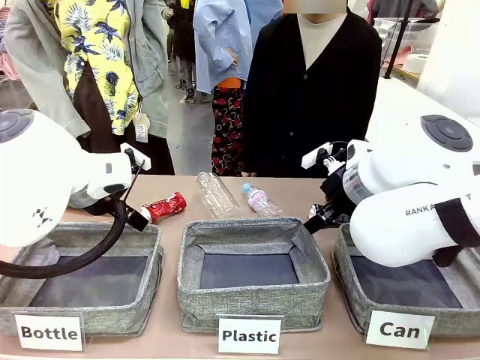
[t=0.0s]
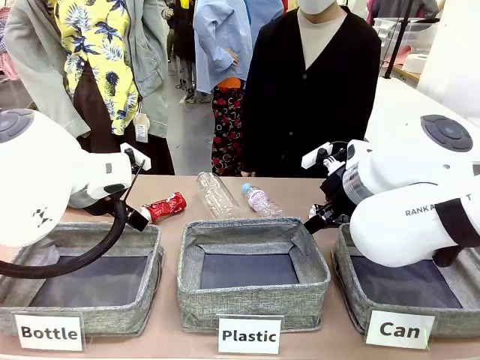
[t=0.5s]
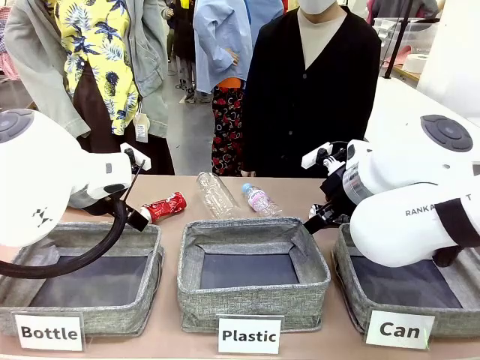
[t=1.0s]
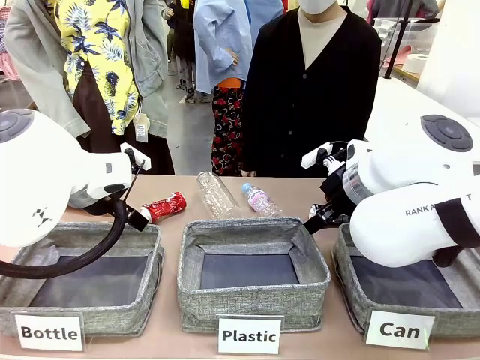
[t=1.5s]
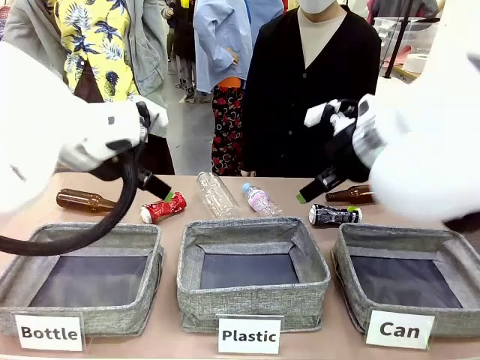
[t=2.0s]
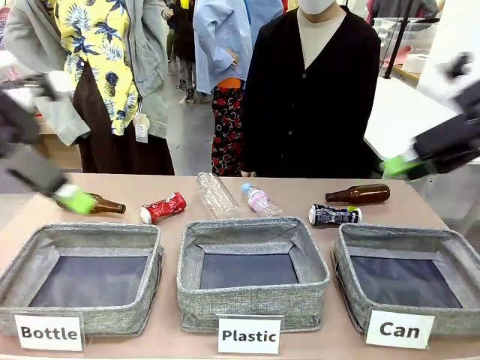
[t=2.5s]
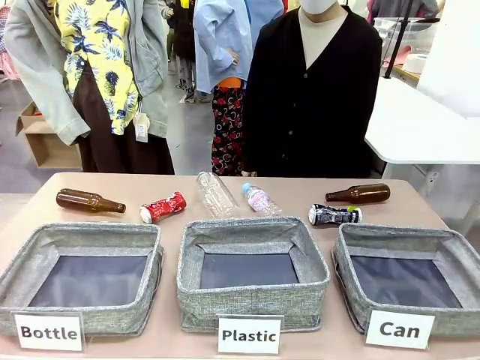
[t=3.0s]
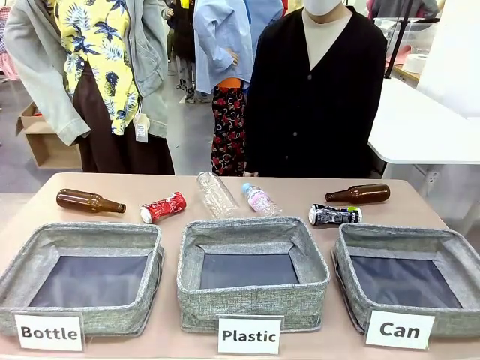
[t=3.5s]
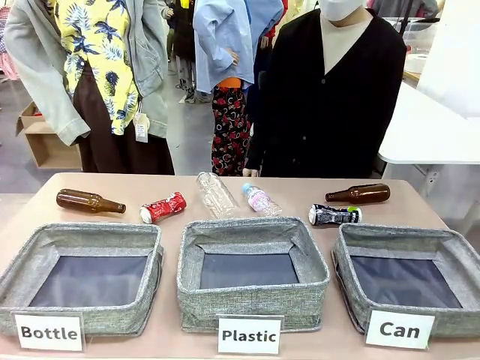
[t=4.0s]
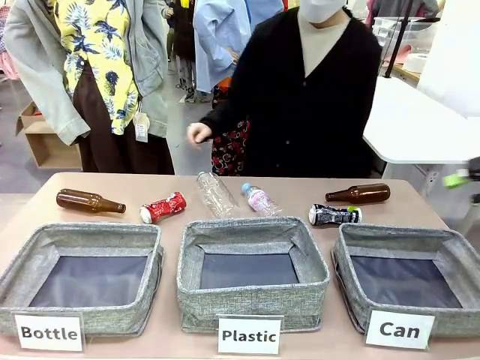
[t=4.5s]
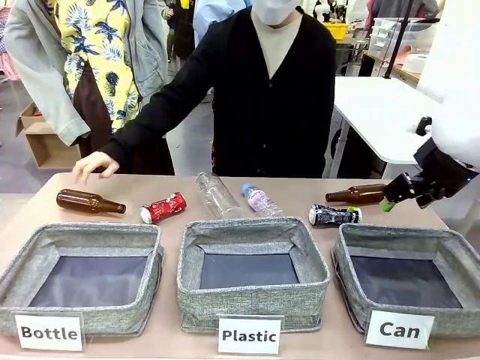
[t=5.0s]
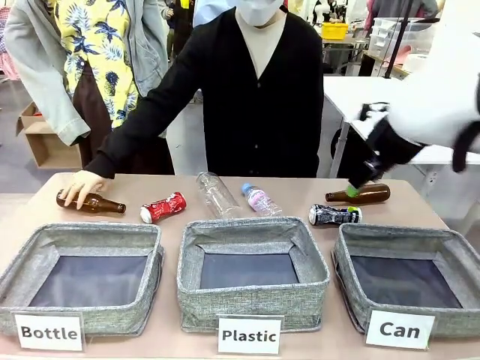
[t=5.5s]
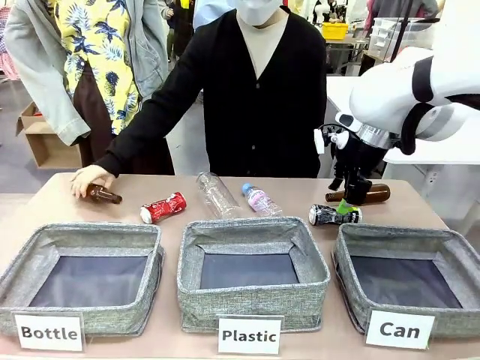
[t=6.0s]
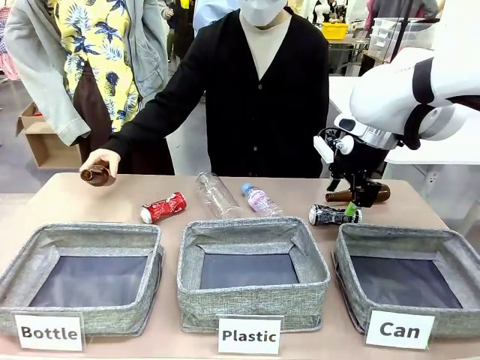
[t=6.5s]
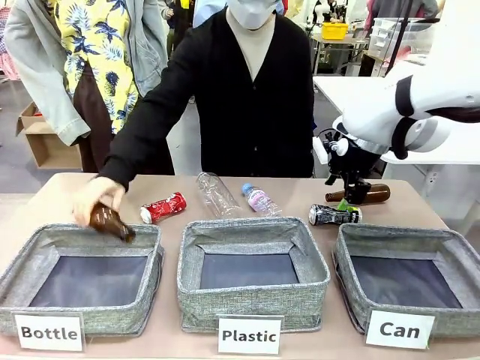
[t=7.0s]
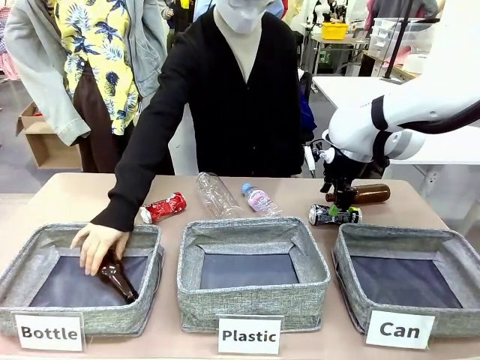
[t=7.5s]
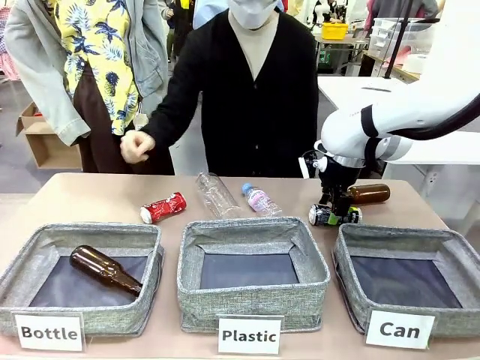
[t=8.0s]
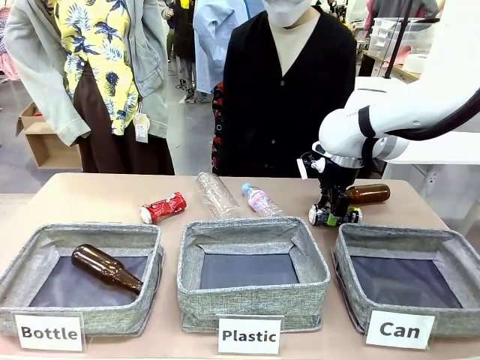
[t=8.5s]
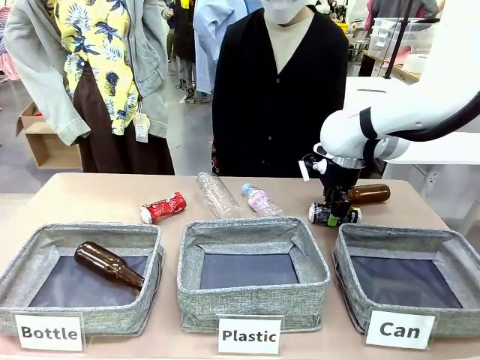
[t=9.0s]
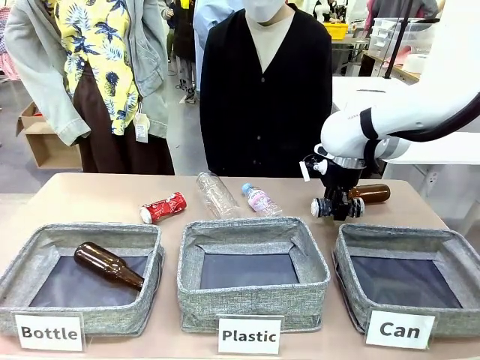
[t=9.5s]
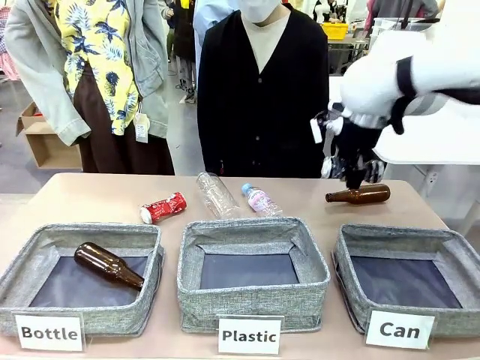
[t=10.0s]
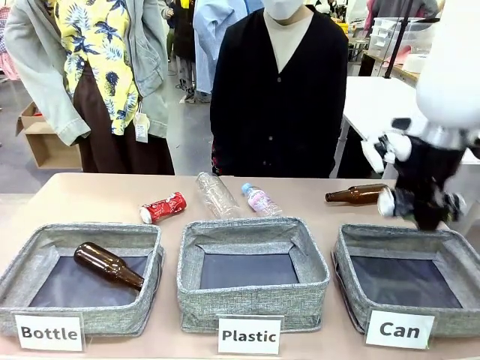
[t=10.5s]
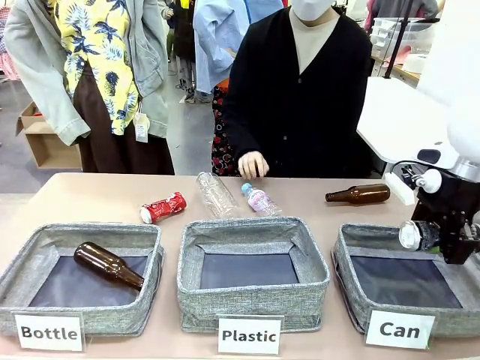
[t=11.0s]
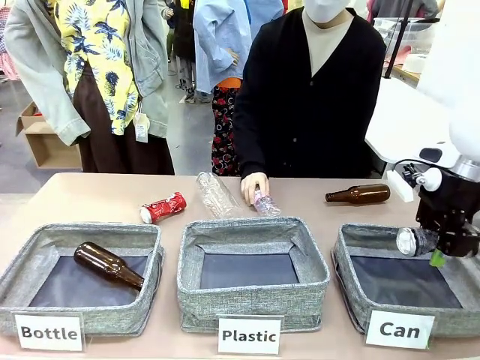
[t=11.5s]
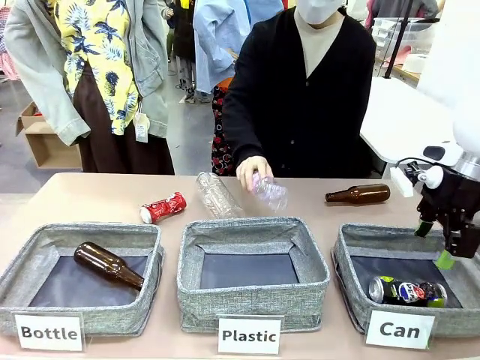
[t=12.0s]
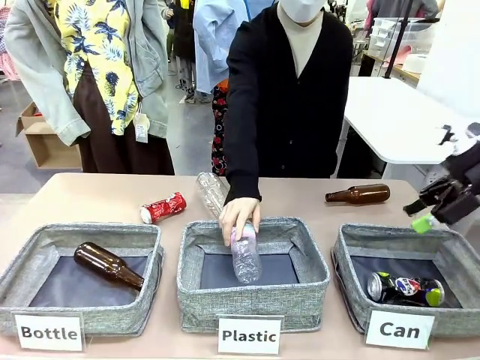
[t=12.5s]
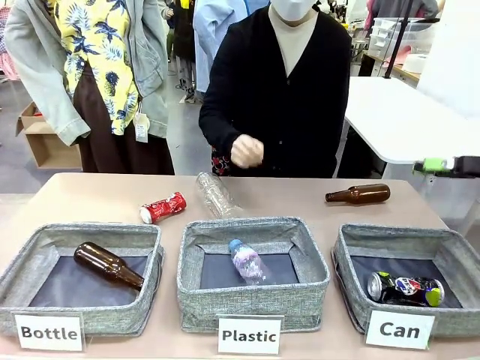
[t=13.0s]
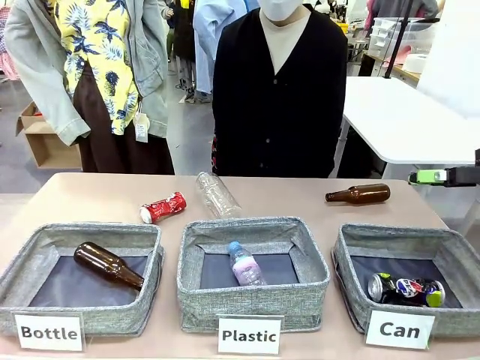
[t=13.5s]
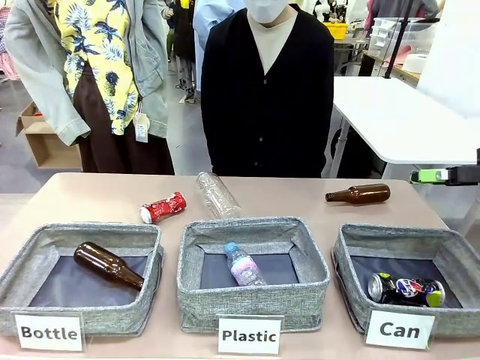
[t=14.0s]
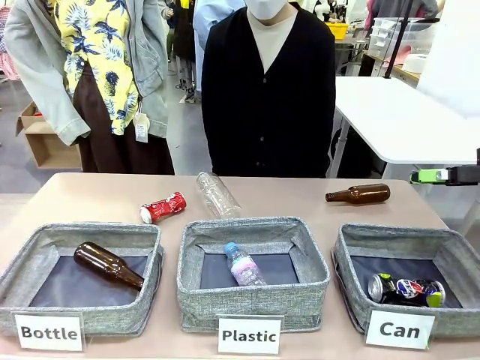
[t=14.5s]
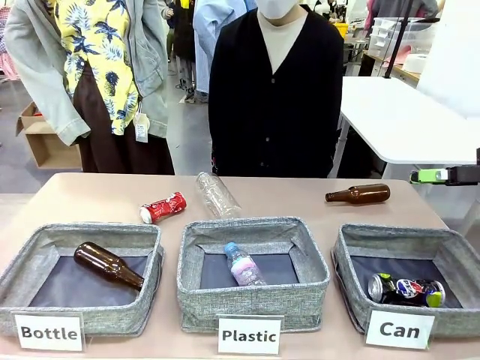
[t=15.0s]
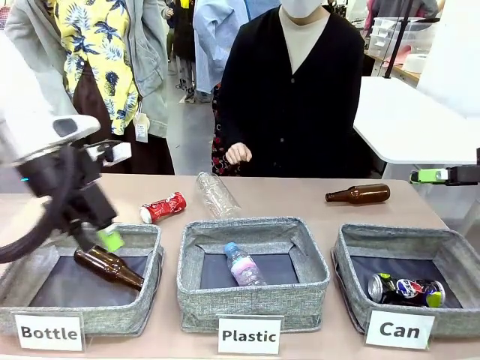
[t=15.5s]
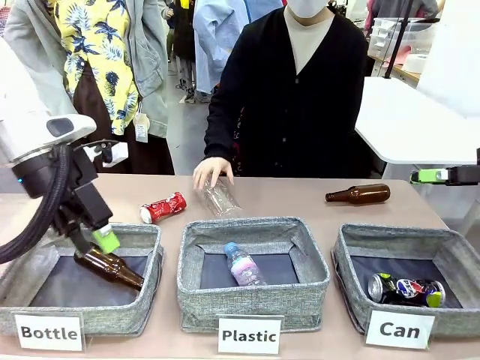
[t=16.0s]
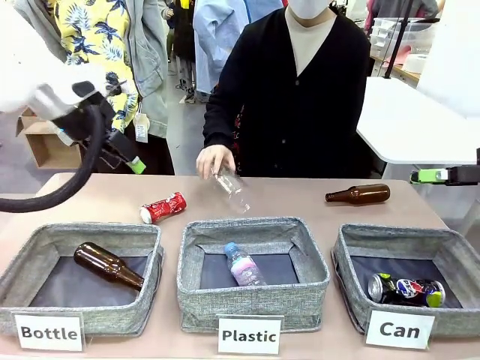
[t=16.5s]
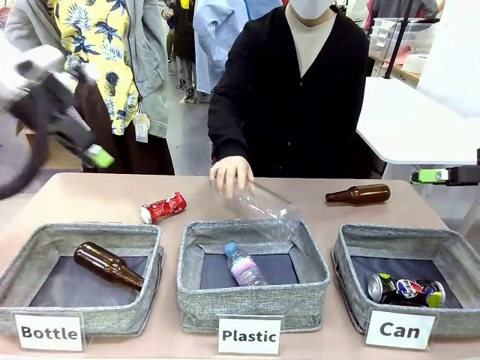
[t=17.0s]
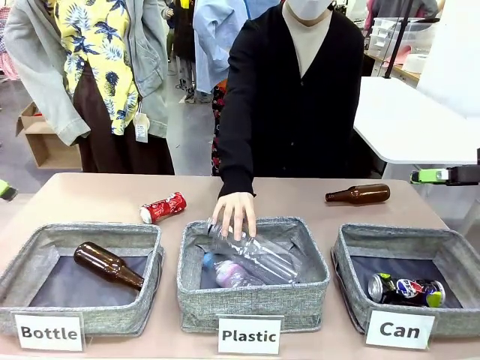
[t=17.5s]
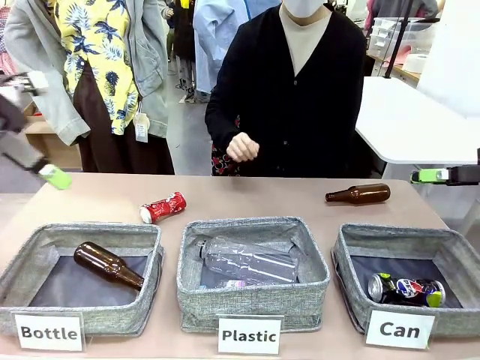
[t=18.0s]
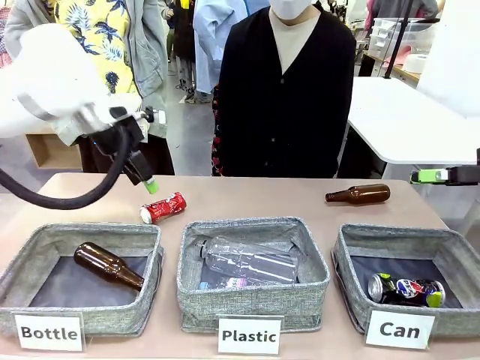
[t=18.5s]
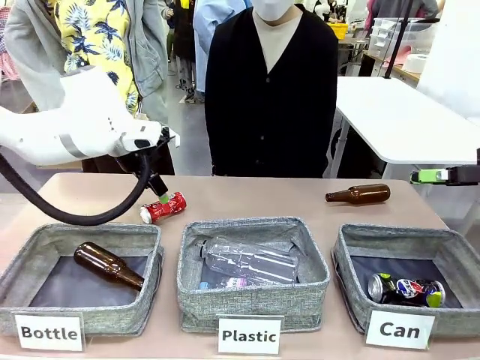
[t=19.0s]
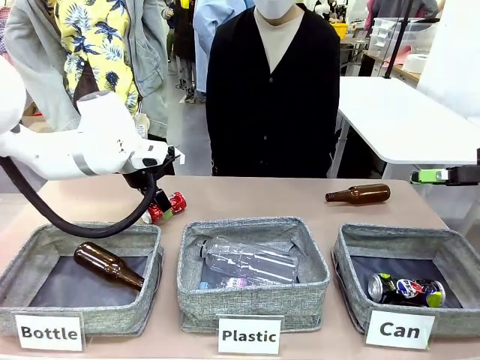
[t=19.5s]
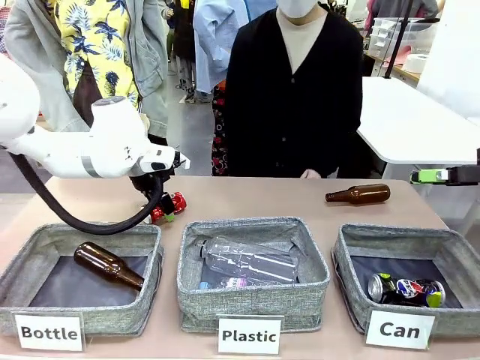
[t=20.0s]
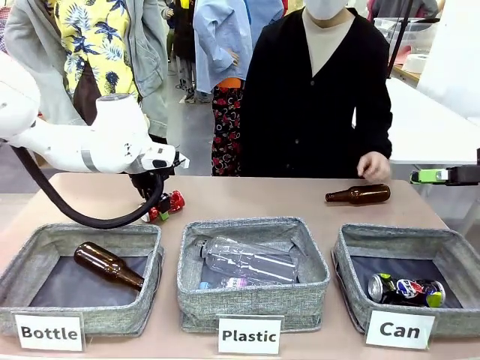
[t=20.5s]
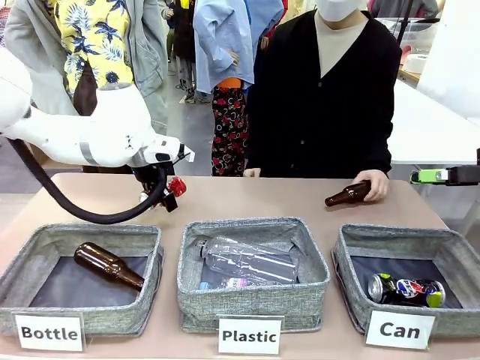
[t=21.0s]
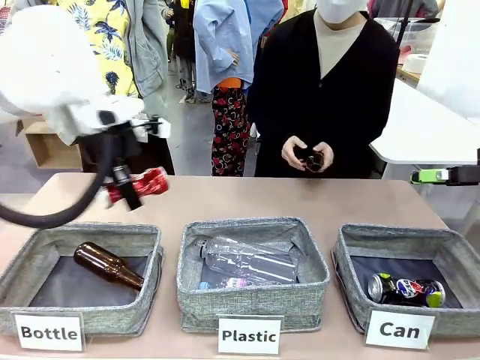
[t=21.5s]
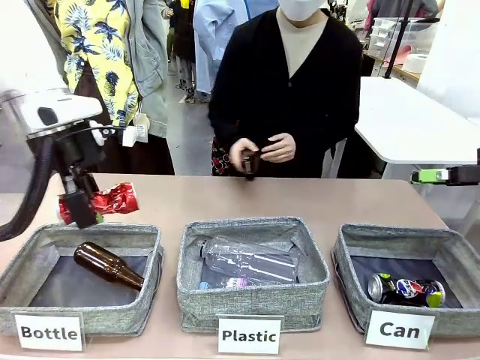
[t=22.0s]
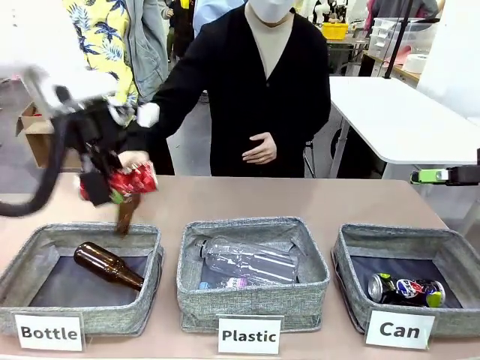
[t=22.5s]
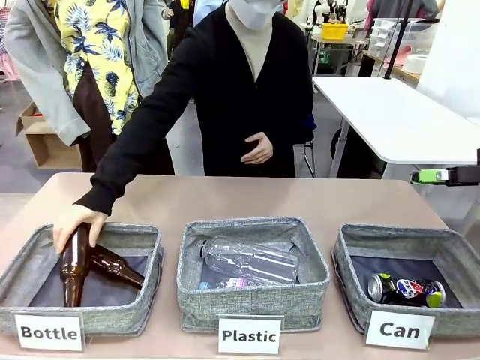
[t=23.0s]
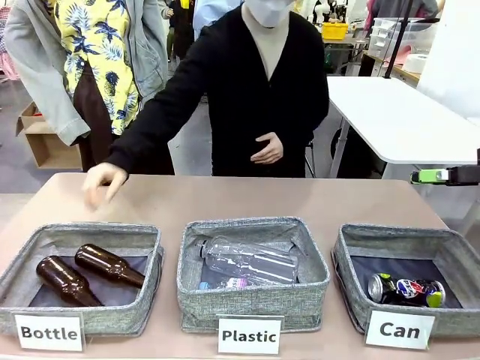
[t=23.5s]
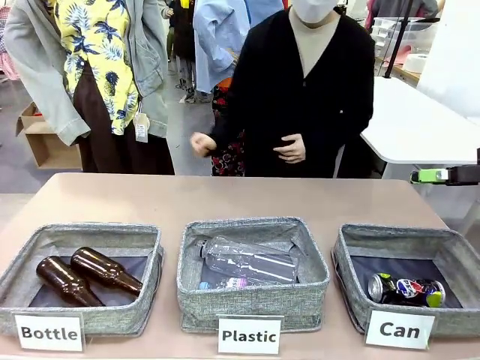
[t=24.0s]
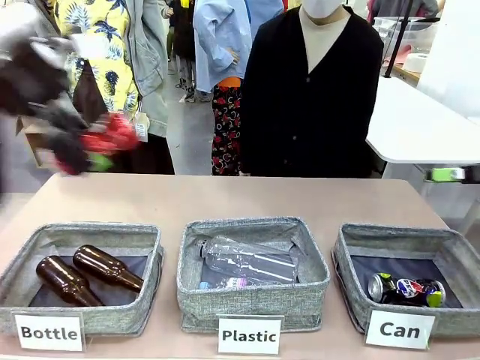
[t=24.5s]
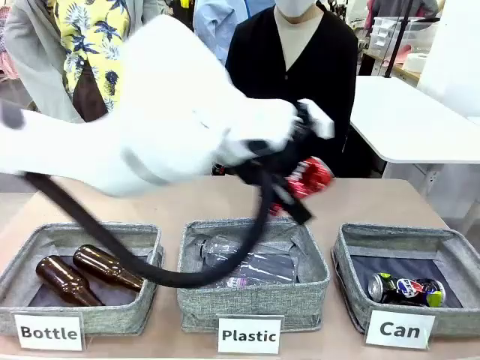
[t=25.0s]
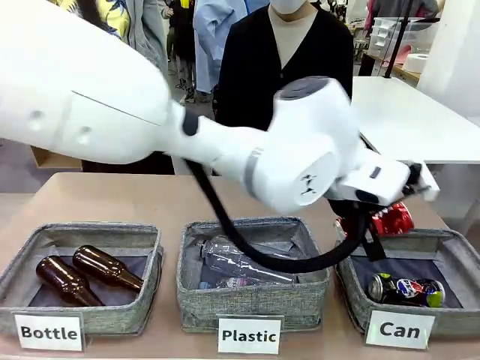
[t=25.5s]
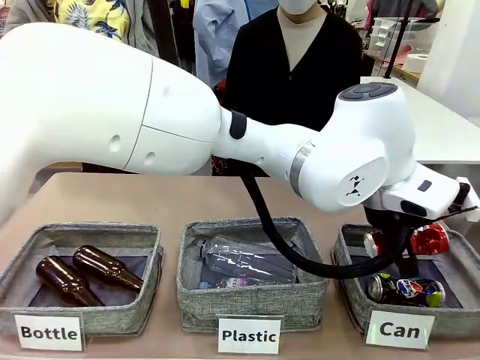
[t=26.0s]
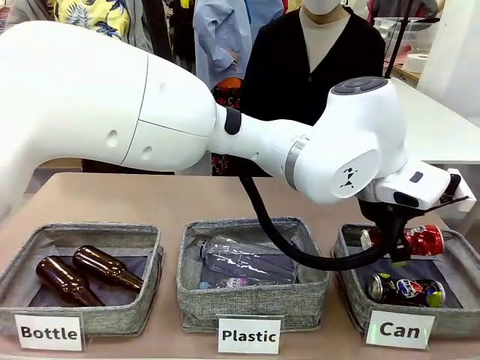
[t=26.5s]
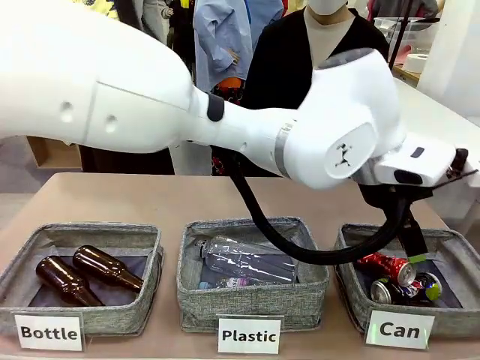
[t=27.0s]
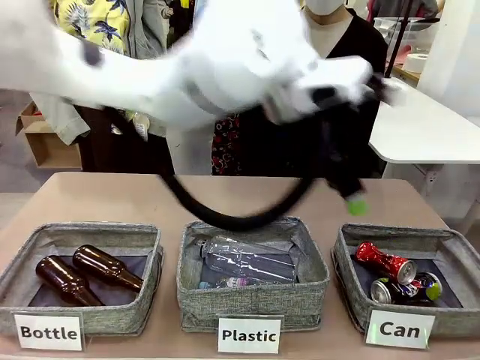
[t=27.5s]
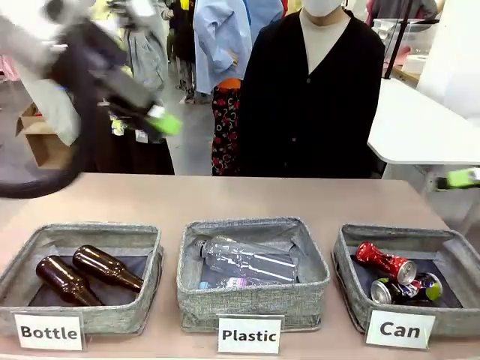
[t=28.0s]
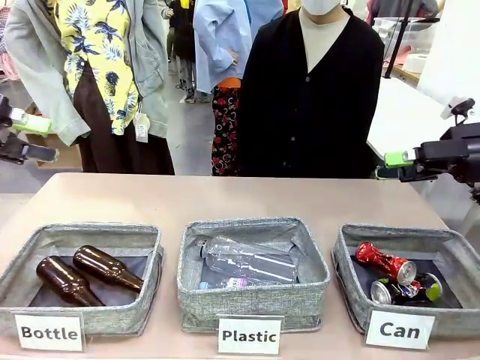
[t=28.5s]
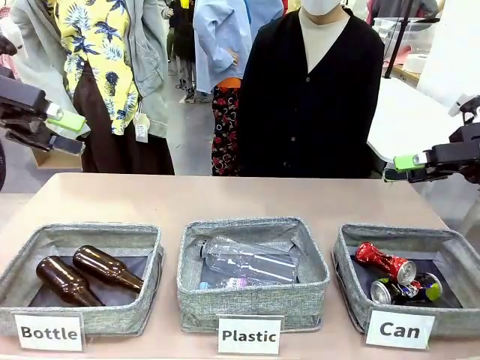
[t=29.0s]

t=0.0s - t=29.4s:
Task: Sort the can waste into the basket.
Robot: Pick up the can waste from the table and place it in the right Fabric basket.
Person: The human picks up one piece of trash that is not a can and places the trash into the appropriate organizing basket.
